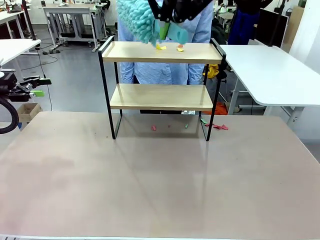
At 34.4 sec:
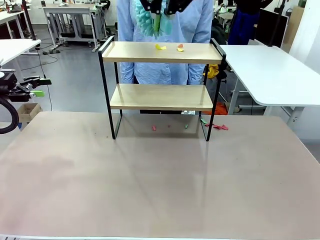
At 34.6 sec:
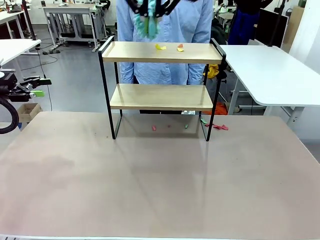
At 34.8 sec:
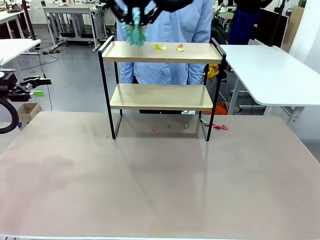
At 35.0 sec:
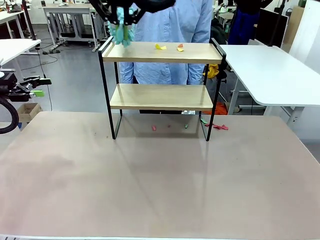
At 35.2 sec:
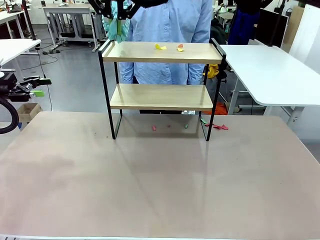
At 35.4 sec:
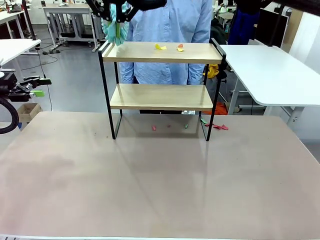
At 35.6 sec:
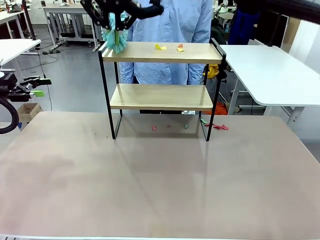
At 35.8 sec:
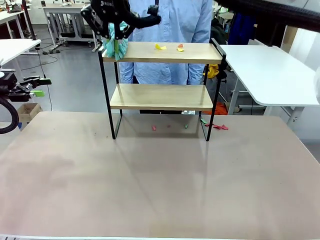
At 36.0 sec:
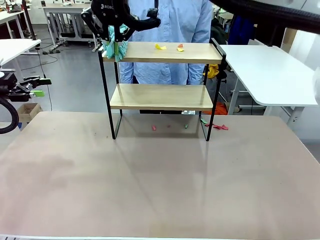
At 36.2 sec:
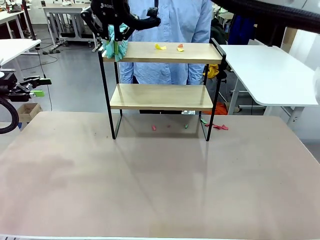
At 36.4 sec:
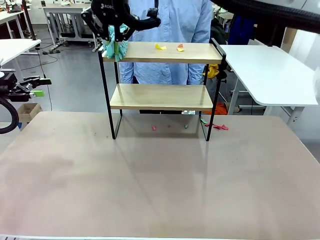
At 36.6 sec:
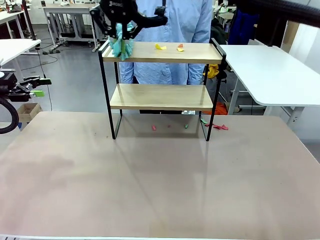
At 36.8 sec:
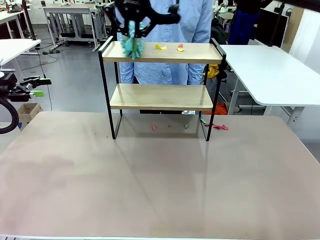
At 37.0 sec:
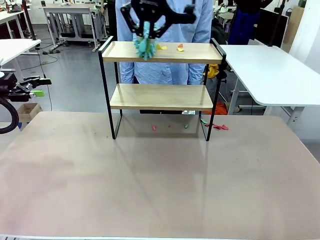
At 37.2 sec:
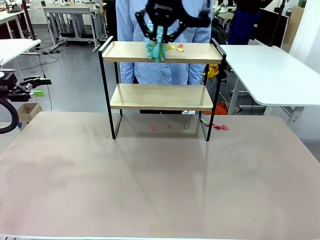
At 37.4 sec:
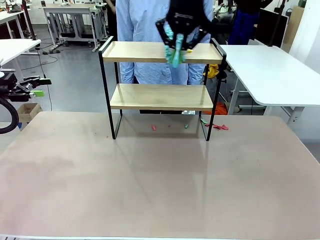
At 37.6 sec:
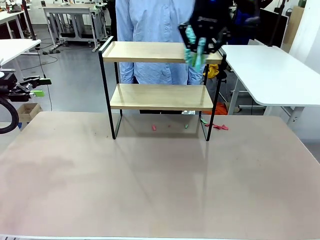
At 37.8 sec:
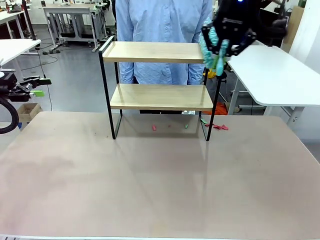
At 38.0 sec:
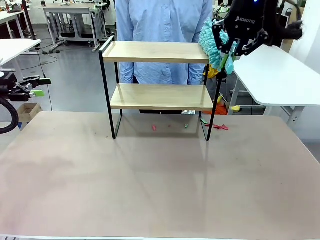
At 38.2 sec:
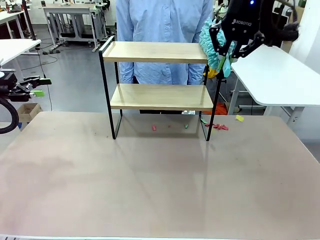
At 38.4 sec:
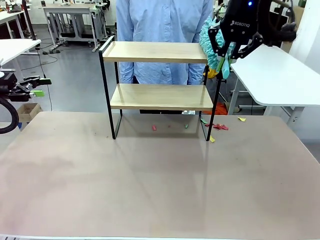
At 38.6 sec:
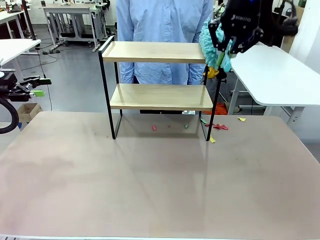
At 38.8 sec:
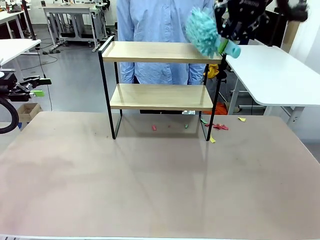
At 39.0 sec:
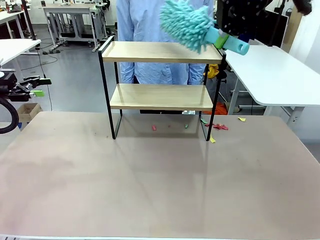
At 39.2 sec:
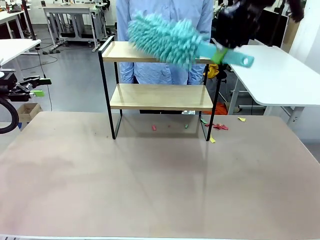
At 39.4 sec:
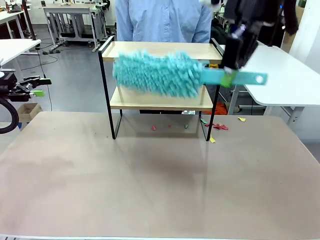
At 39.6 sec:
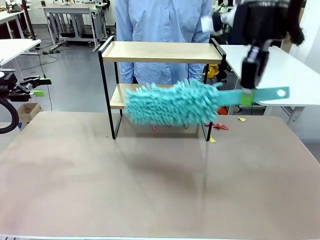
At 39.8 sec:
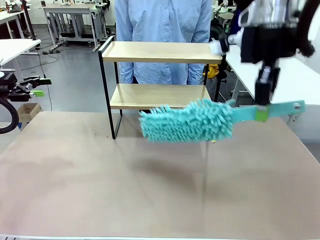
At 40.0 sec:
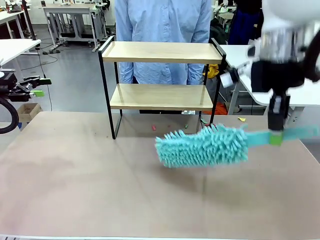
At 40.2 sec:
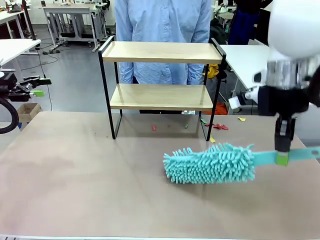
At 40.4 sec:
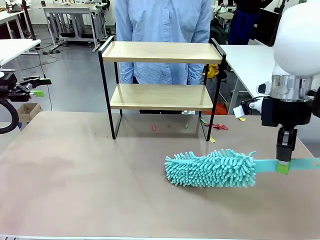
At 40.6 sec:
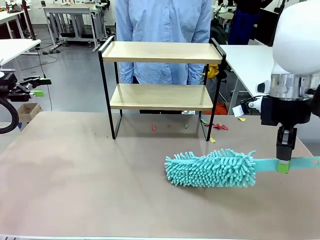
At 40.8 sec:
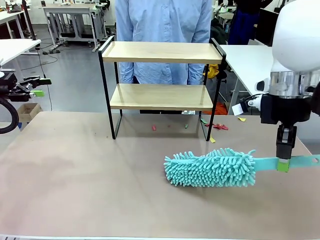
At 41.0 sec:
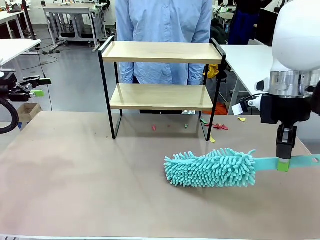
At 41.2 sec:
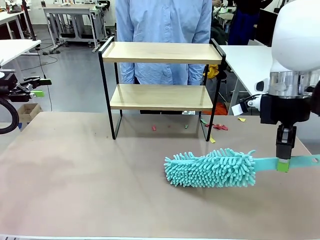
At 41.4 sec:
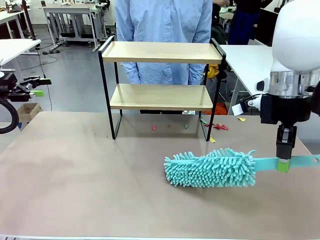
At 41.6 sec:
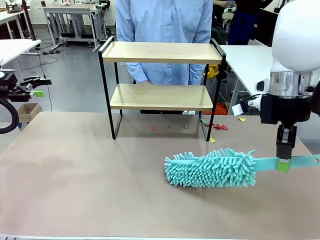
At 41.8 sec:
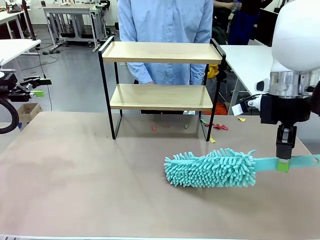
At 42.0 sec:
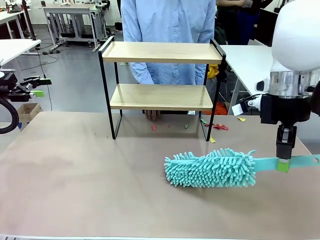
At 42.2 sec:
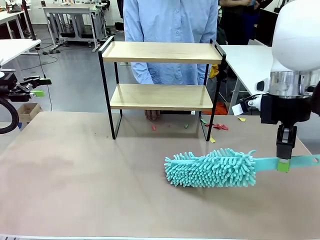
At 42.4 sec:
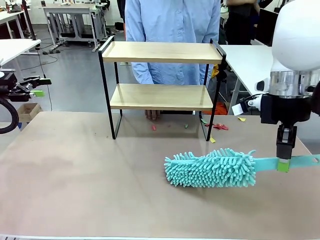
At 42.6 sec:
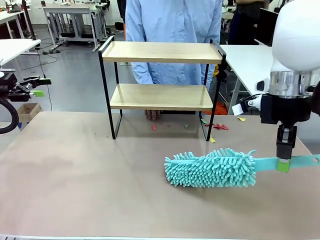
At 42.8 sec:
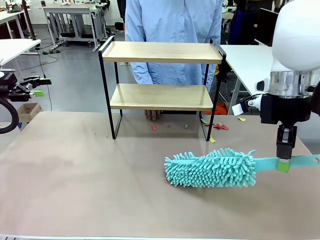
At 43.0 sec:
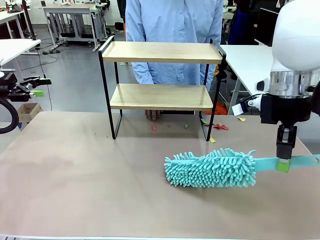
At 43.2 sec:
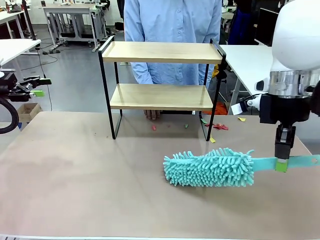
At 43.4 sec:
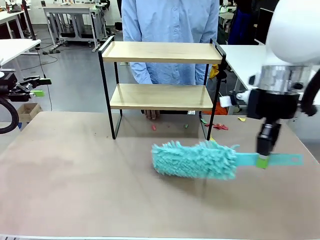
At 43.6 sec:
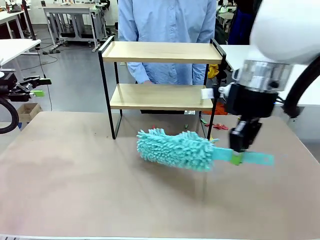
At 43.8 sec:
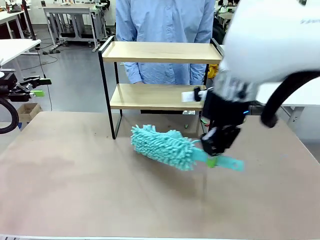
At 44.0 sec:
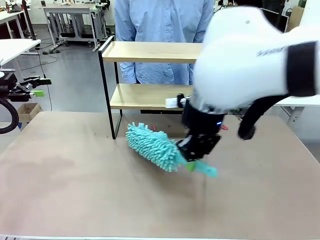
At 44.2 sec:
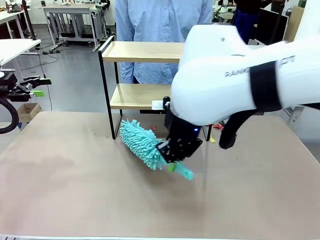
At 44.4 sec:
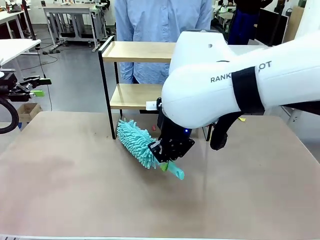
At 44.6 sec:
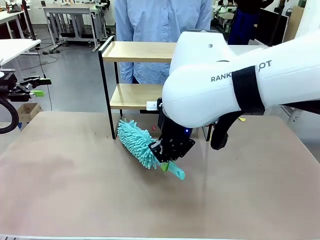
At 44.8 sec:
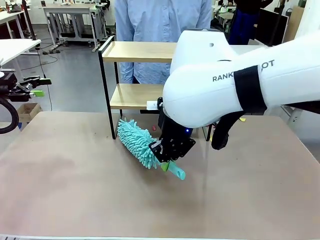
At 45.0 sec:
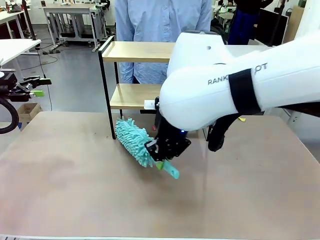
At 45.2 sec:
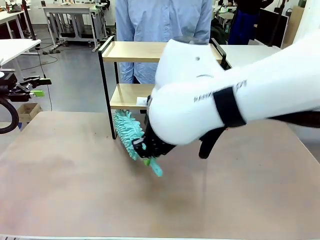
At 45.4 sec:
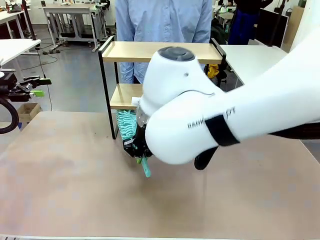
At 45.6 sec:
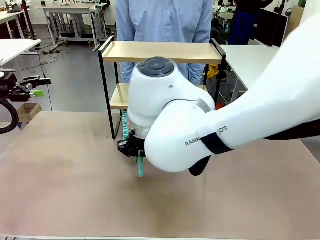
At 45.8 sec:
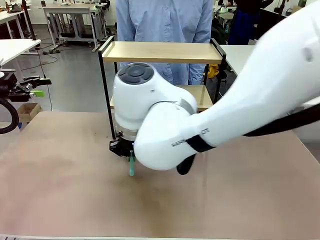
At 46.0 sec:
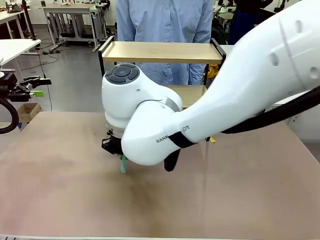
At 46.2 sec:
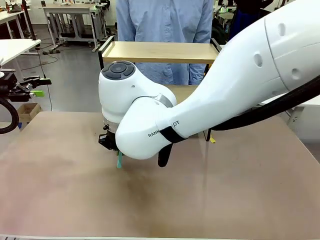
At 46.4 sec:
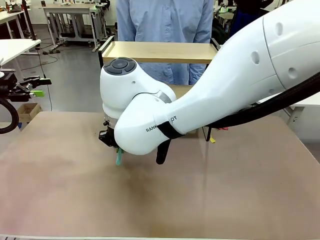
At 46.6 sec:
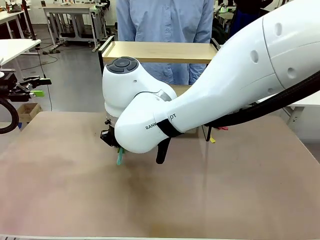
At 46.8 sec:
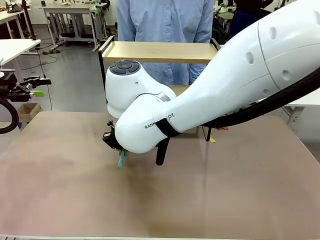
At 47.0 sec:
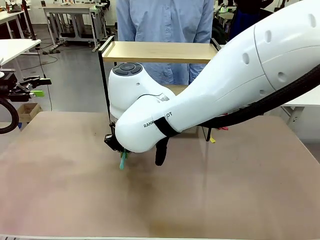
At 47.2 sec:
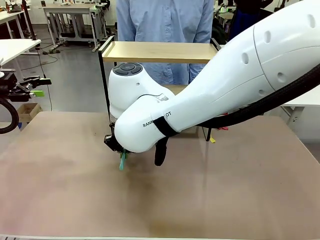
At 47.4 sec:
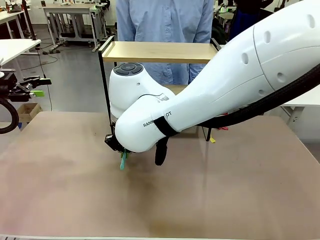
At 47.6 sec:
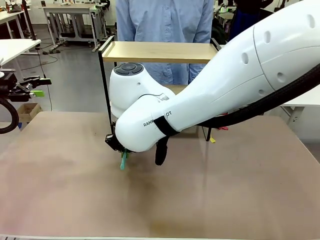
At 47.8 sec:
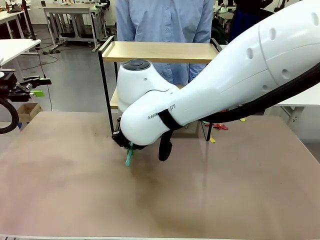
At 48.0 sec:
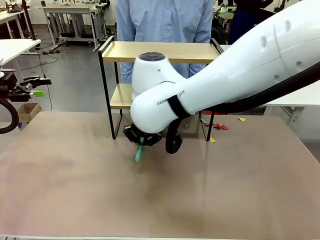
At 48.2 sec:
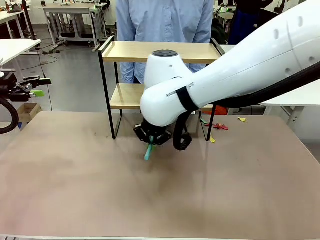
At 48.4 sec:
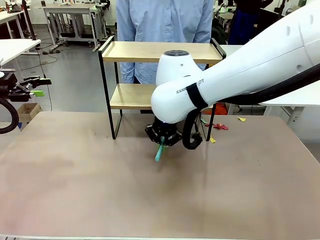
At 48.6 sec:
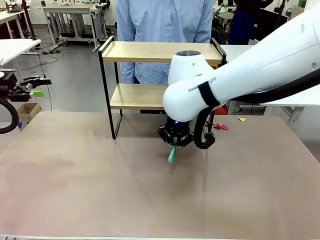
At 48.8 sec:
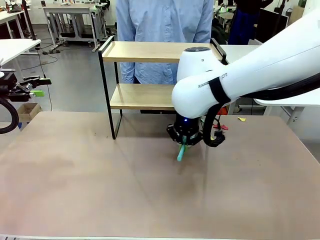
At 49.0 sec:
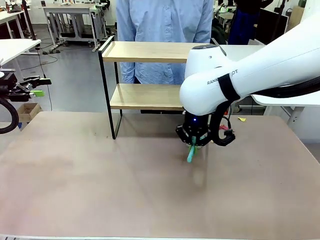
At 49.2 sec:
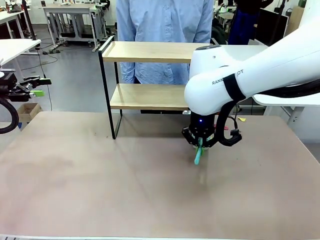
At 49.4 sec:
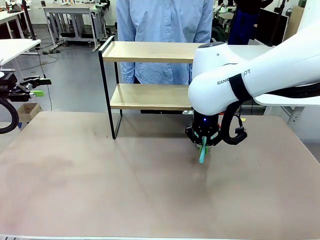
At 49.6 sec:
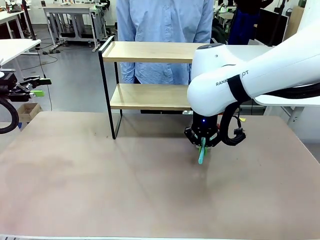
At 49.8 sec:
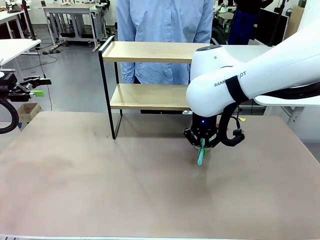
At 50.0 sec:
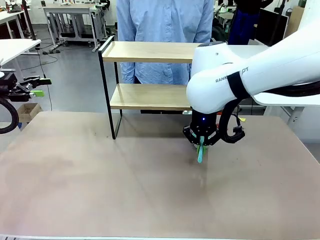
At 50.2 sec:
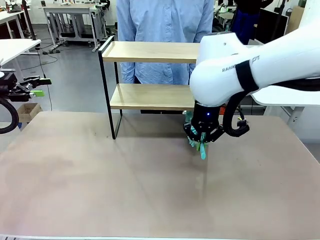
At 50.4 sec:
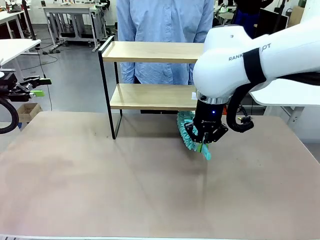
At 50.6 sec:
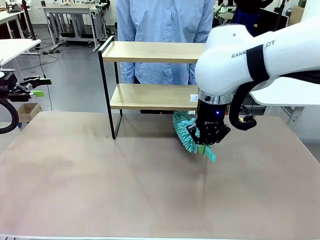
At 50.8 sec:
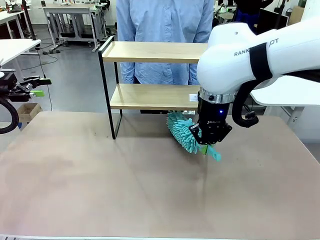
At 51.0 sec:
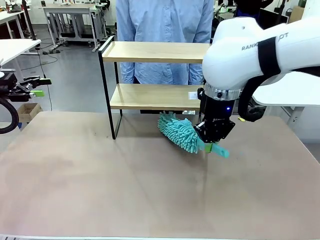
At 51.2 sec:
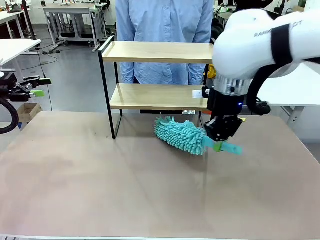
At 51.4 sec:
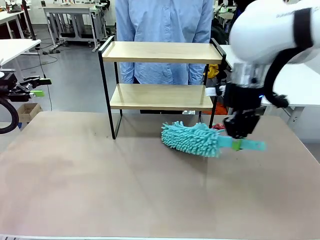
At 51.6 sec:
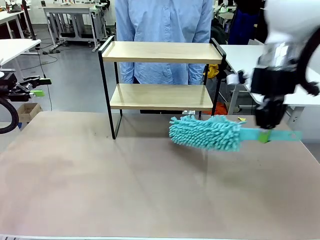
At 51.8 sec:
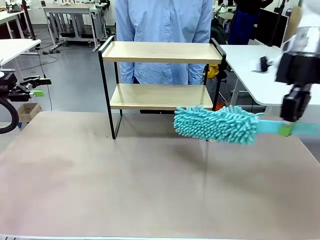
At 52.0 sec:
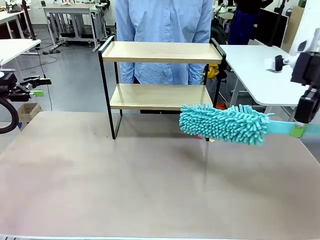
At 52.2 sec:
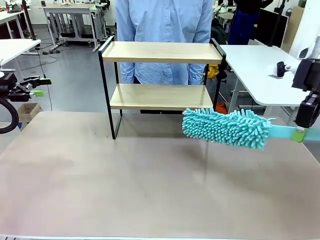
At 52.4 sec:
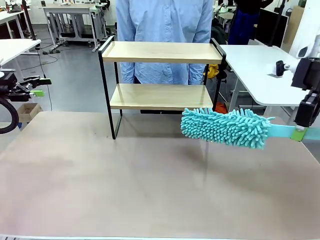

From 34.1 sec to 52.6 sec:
Task: Clean the shelf.
Robot: Clean the specific section of the Shelf indicated by the human with the Duster.
Person: Point a remaining section of the Shelf.
